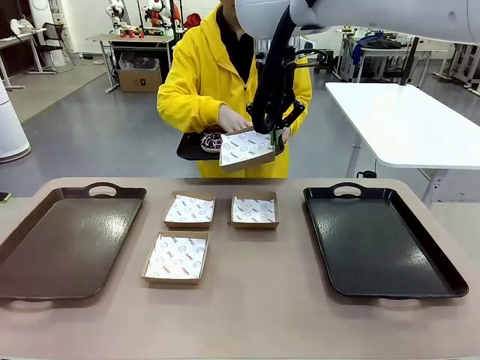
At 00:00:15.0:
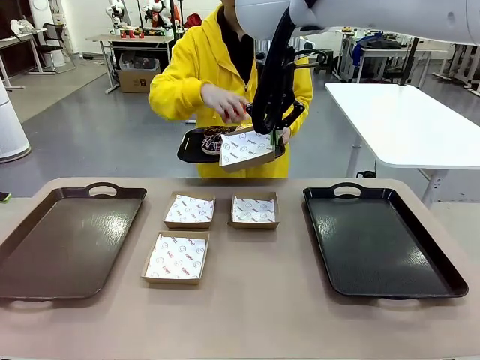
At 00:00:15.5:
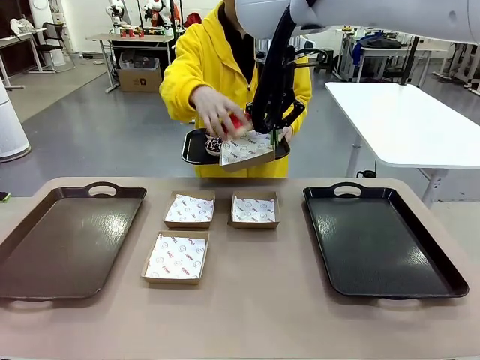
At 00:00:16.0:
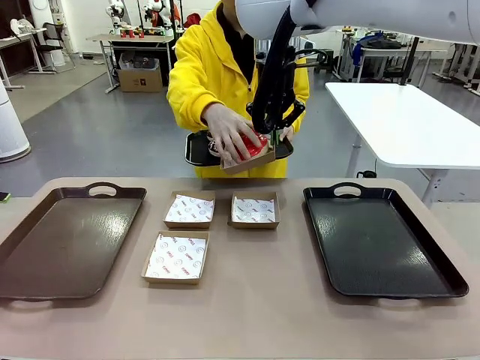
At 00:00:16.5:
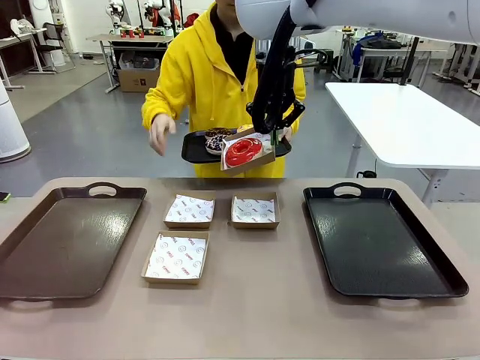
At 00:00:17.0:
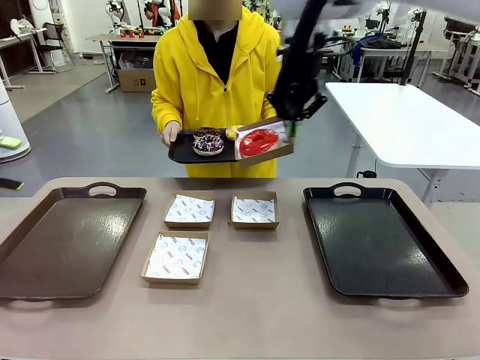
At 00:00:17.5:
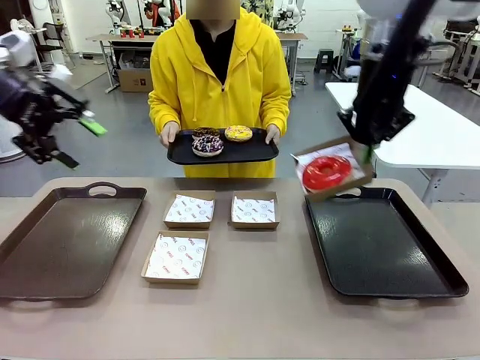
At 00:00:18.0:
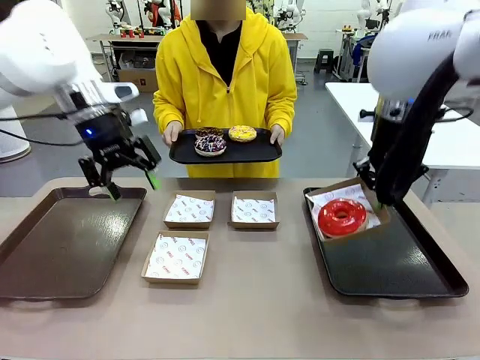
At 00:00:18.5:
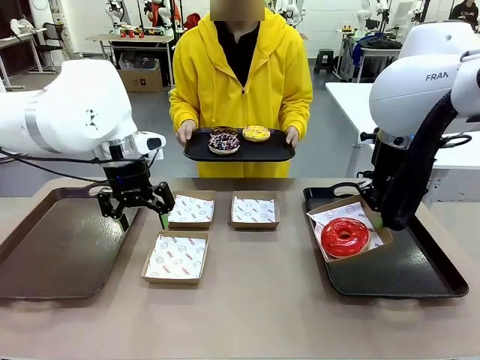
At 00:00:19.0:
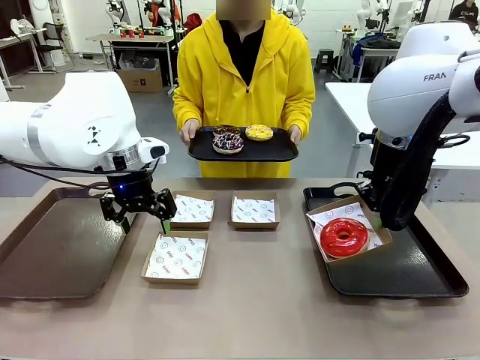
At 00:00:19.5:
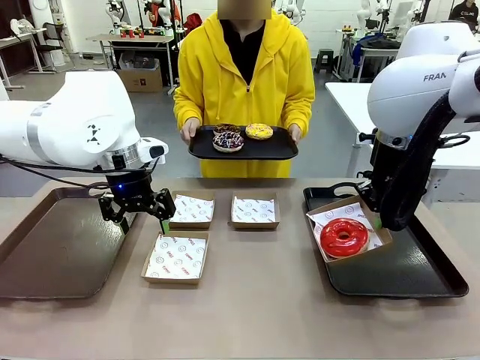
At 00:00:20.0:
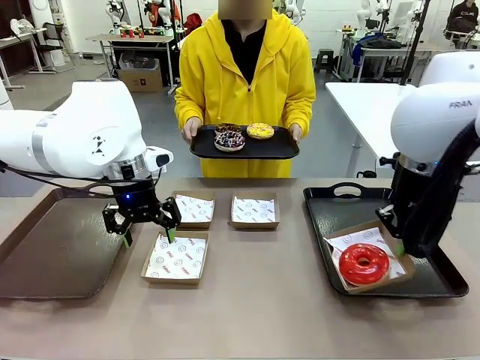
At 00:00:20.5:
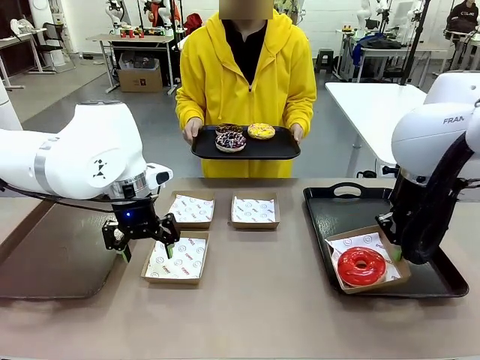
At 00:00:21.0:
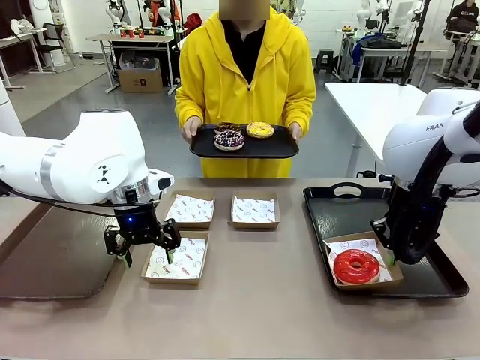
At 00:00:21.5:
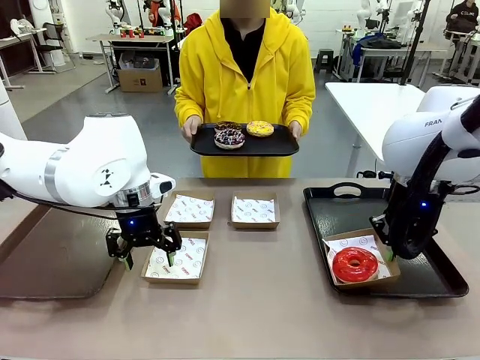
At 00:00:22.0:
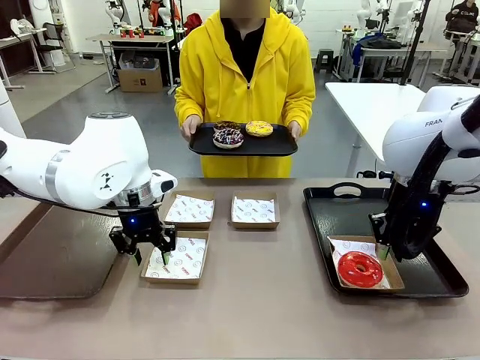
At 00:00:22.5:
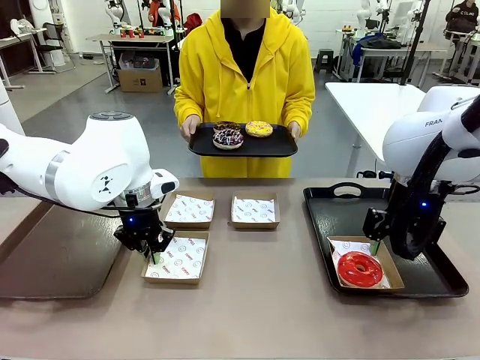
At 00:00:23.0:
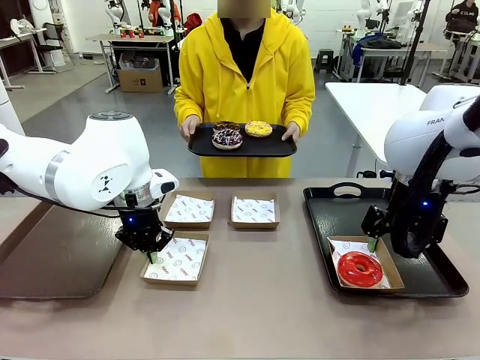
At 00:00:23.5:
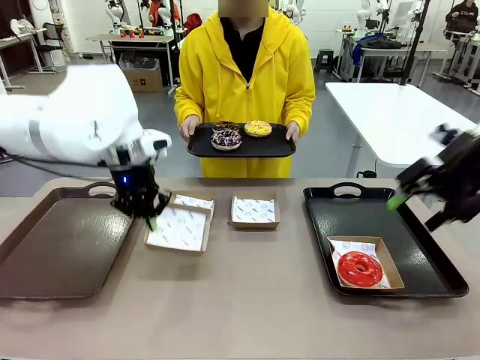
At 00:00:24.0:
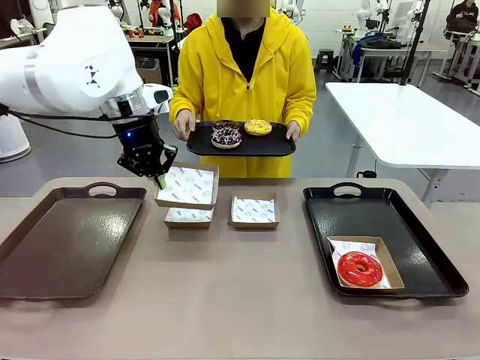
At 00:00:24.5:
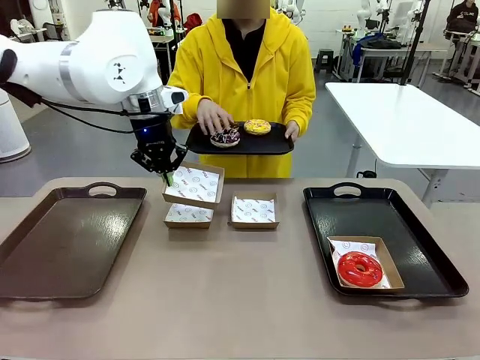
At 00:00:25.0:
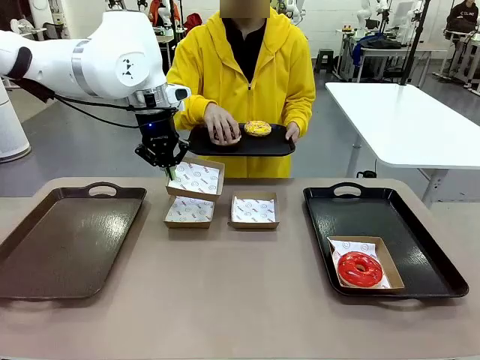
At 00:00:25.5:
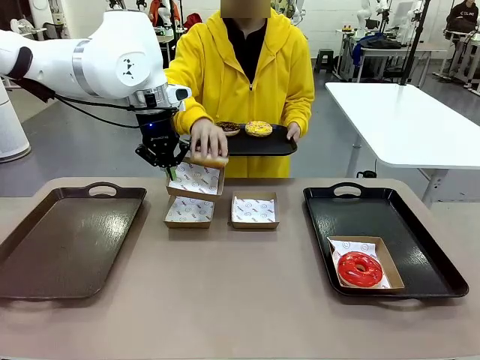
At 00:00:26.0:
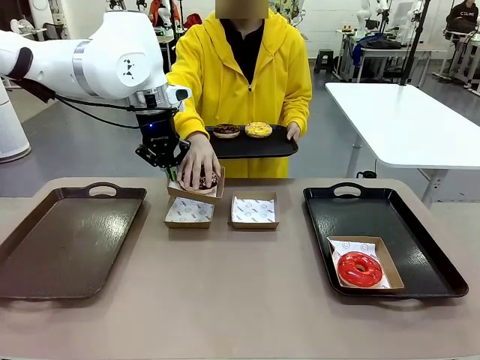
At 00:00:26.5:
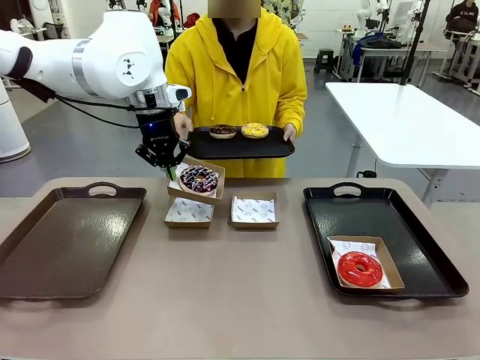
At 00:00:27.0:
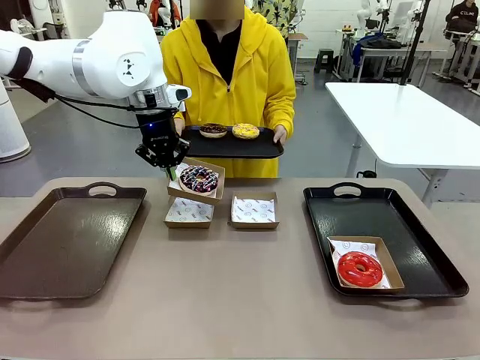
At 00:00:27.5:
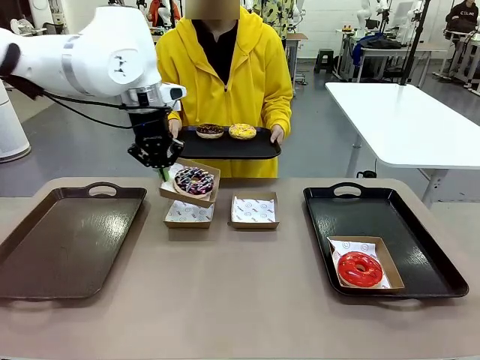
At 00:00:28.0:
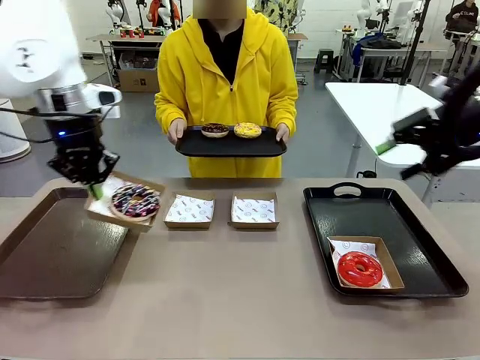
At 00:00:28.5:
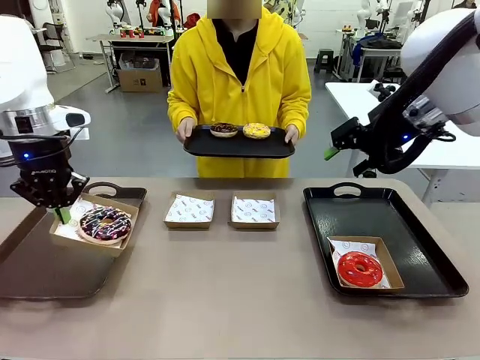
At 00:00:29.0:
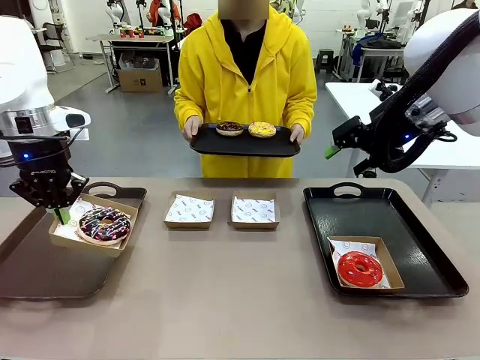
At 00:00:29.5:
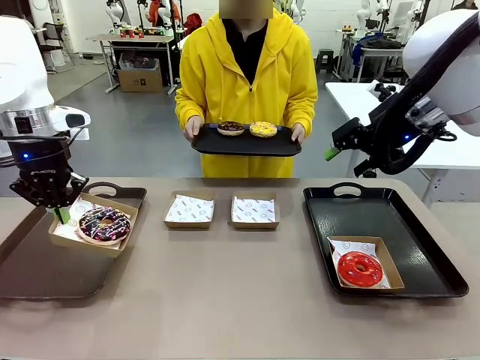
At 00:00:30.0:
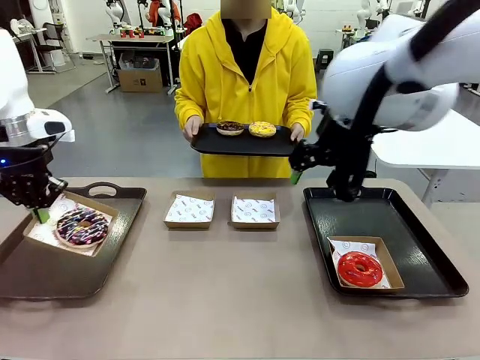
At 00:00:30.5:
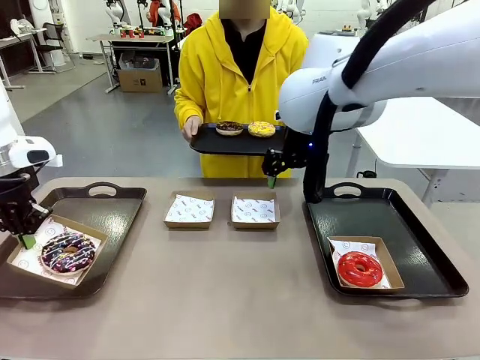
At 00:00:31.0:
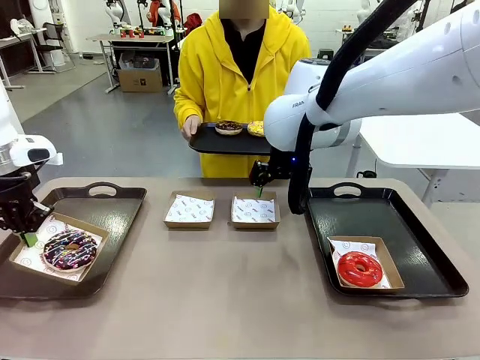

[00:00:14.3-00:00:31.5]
Task: Individually package the donuts and arrange them on the tray.
Robot: Place the picked Paper togo box on the Handle tray while simultaneously picking up another Paper togo box from the table with the other hand.
